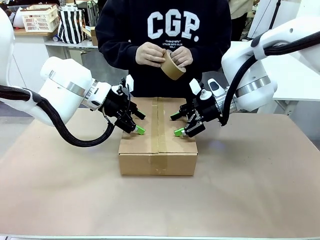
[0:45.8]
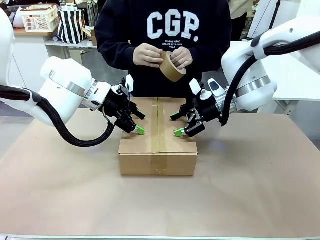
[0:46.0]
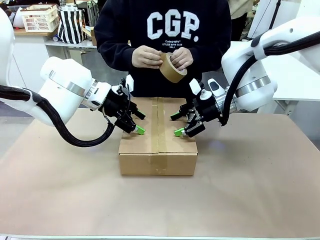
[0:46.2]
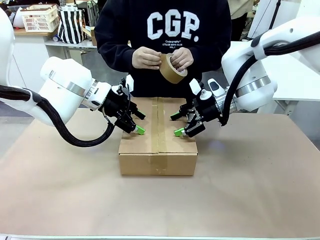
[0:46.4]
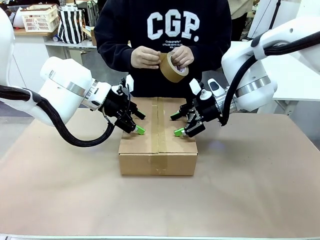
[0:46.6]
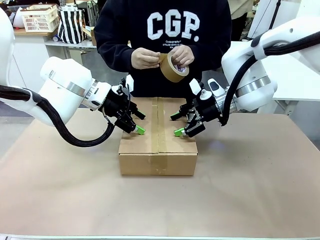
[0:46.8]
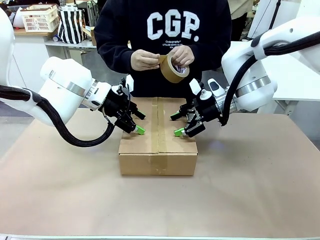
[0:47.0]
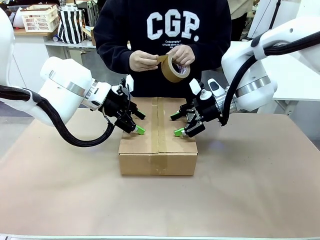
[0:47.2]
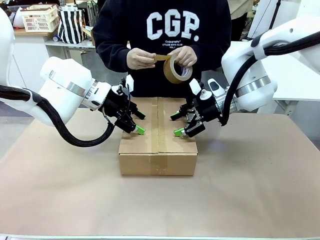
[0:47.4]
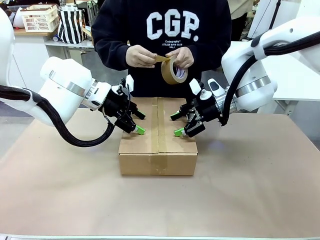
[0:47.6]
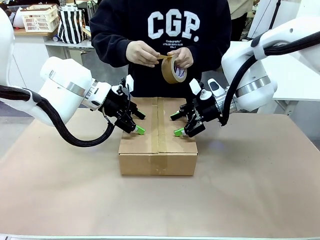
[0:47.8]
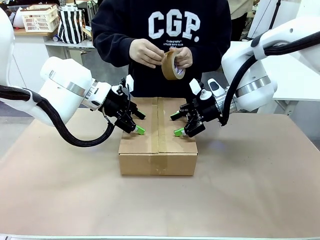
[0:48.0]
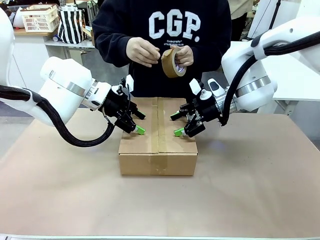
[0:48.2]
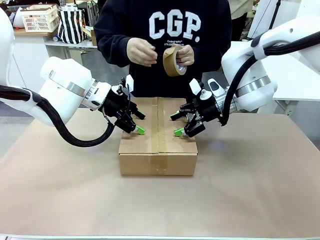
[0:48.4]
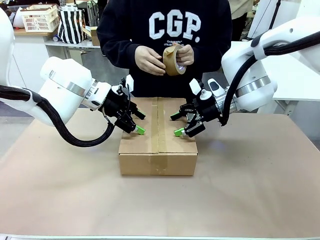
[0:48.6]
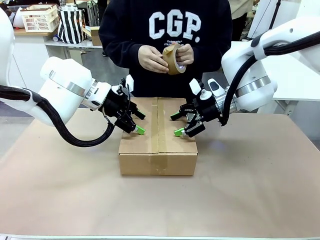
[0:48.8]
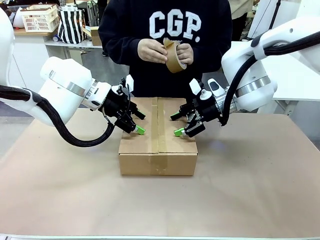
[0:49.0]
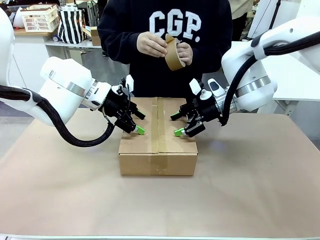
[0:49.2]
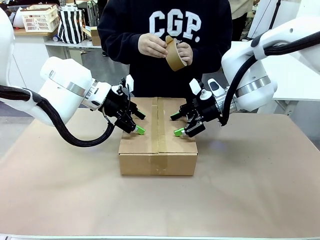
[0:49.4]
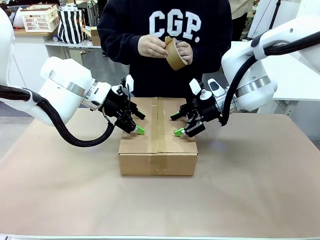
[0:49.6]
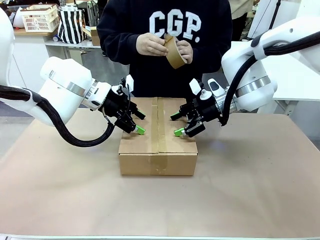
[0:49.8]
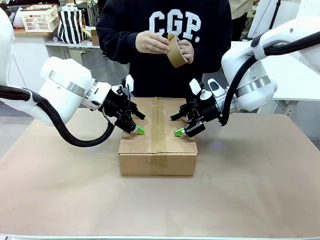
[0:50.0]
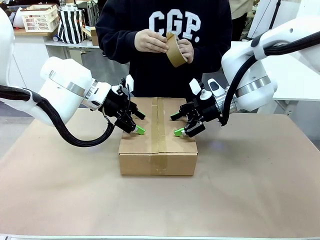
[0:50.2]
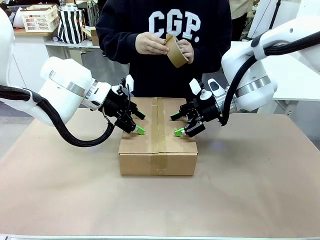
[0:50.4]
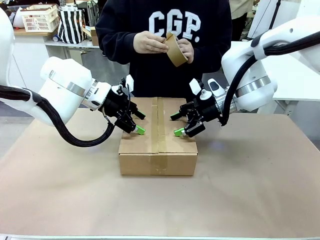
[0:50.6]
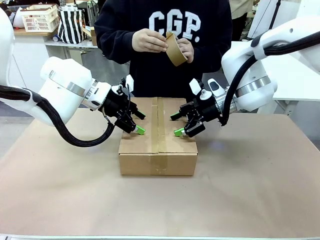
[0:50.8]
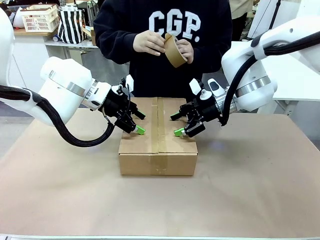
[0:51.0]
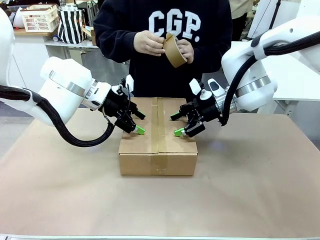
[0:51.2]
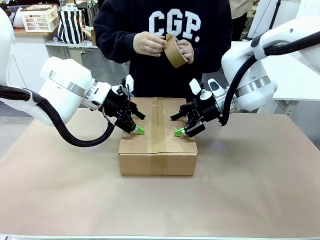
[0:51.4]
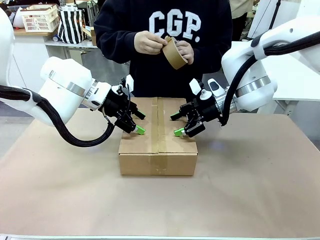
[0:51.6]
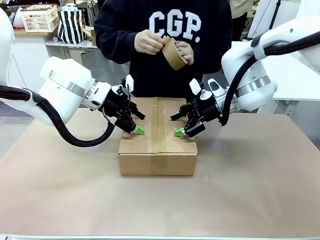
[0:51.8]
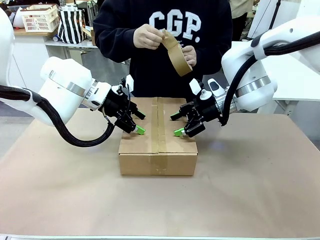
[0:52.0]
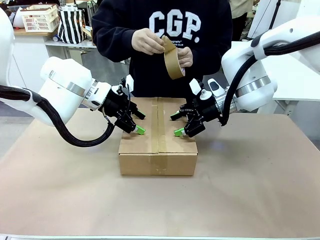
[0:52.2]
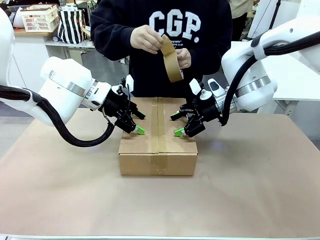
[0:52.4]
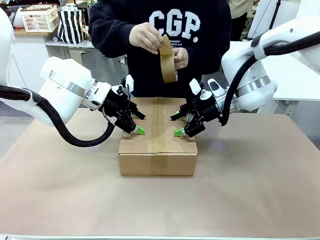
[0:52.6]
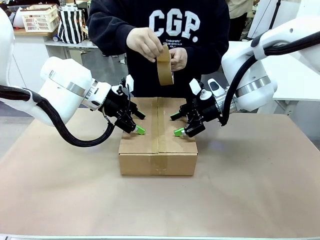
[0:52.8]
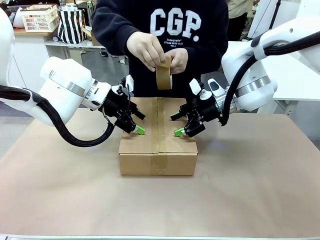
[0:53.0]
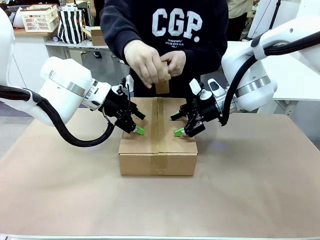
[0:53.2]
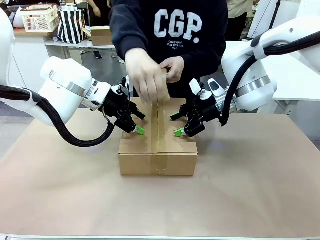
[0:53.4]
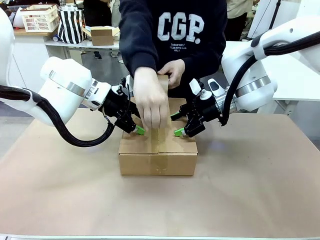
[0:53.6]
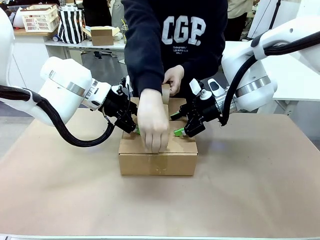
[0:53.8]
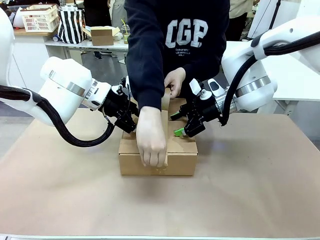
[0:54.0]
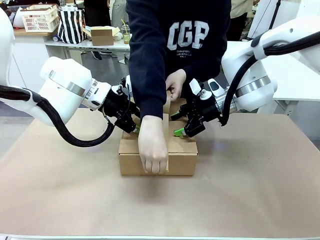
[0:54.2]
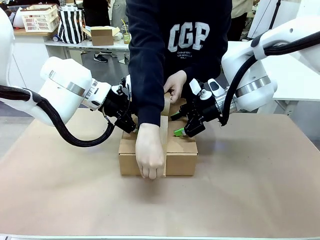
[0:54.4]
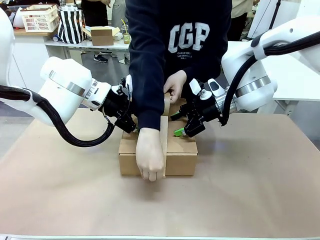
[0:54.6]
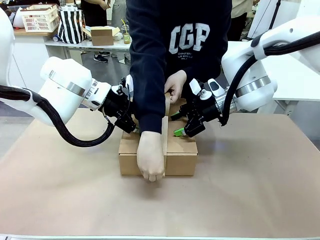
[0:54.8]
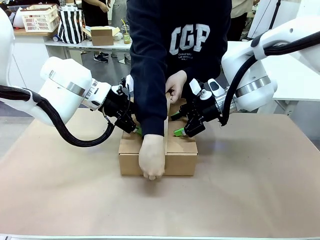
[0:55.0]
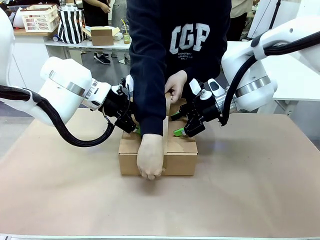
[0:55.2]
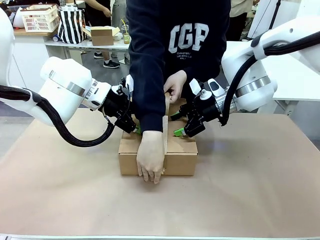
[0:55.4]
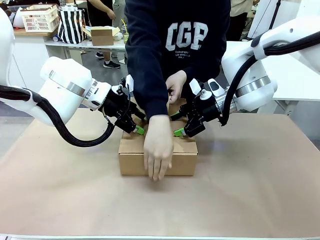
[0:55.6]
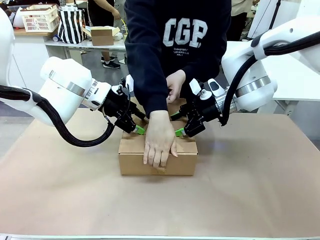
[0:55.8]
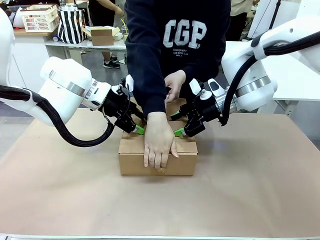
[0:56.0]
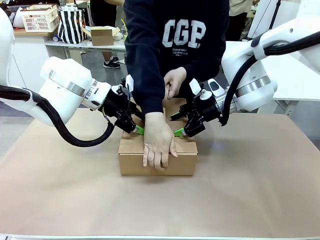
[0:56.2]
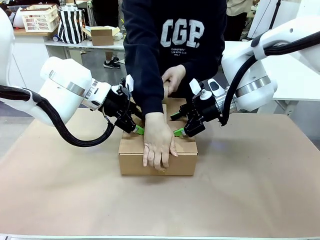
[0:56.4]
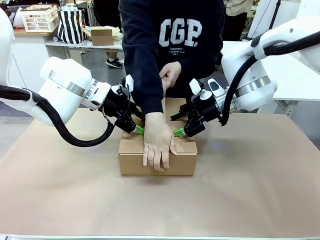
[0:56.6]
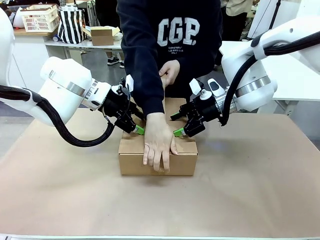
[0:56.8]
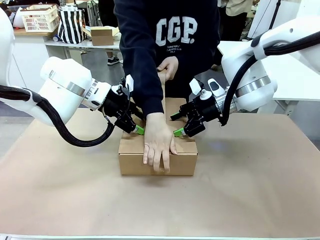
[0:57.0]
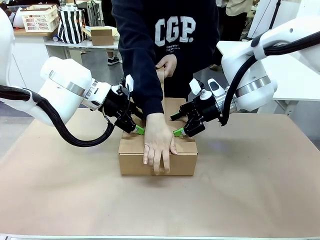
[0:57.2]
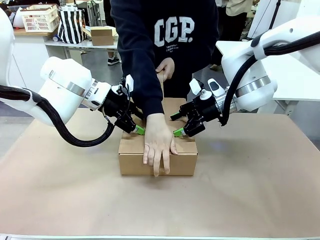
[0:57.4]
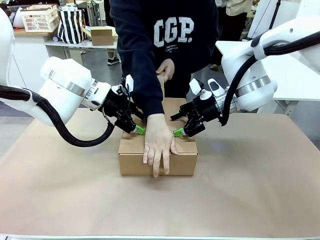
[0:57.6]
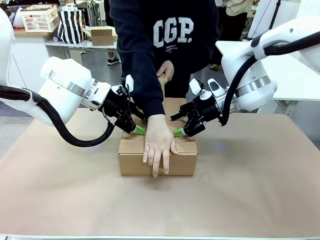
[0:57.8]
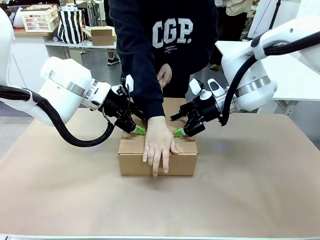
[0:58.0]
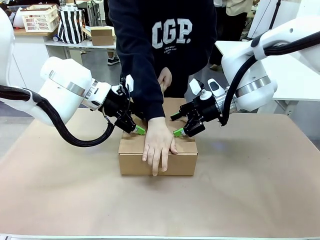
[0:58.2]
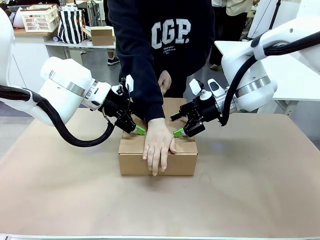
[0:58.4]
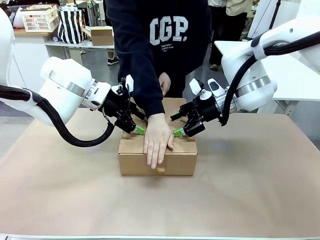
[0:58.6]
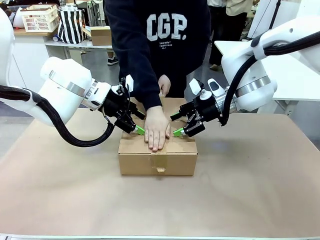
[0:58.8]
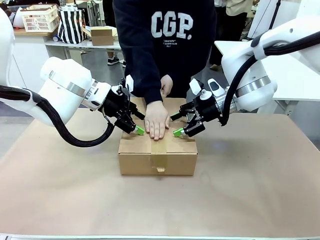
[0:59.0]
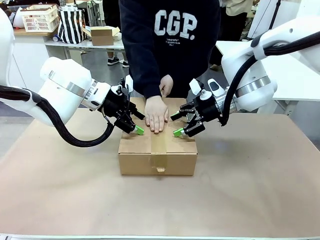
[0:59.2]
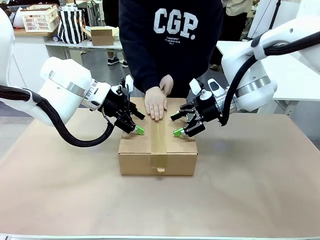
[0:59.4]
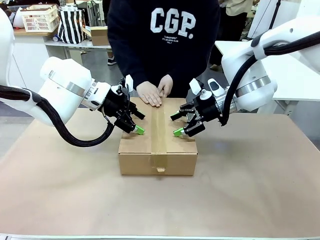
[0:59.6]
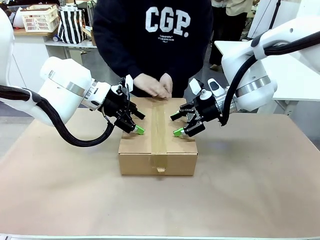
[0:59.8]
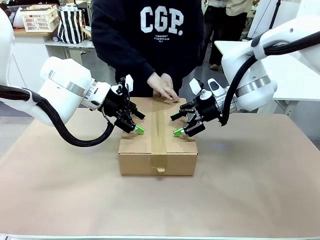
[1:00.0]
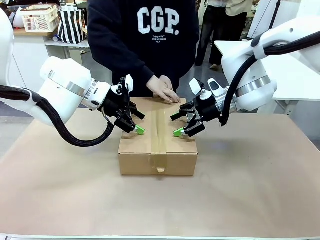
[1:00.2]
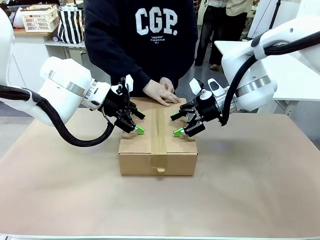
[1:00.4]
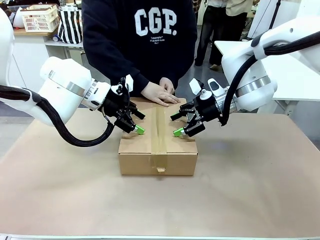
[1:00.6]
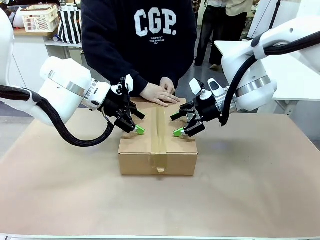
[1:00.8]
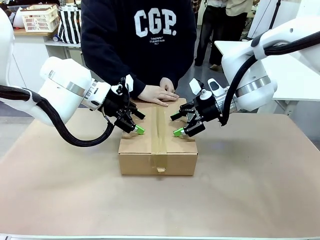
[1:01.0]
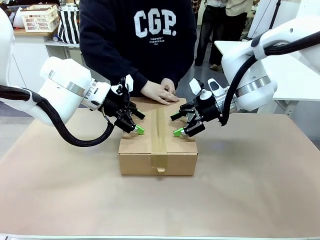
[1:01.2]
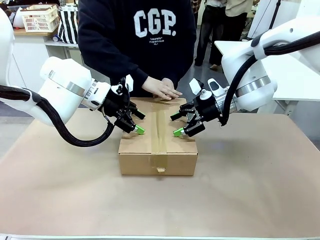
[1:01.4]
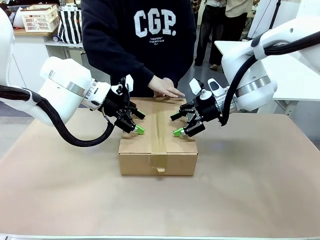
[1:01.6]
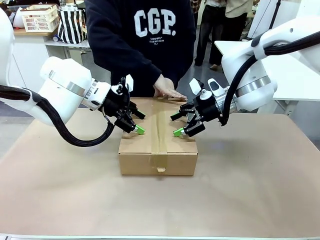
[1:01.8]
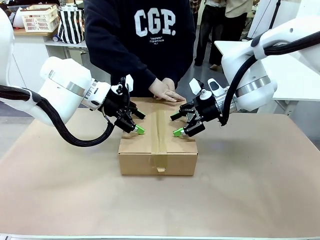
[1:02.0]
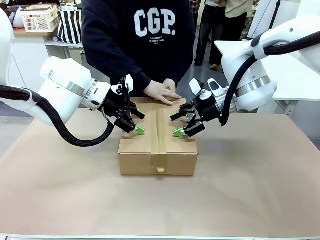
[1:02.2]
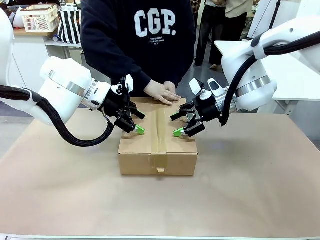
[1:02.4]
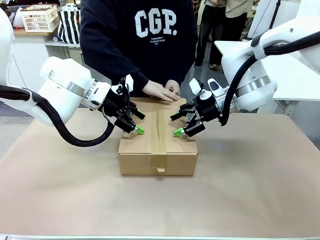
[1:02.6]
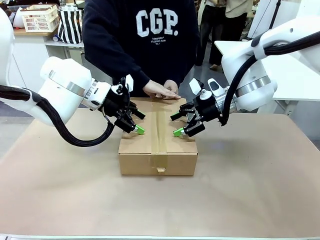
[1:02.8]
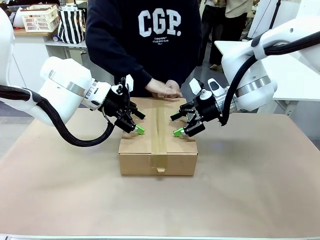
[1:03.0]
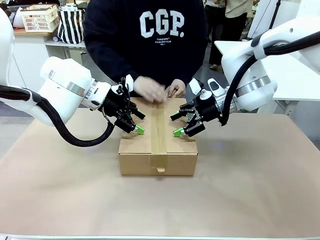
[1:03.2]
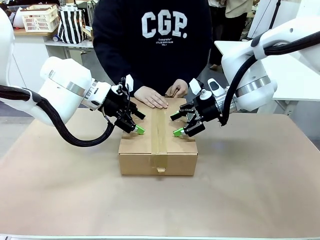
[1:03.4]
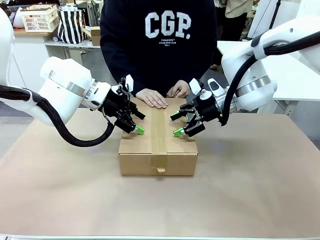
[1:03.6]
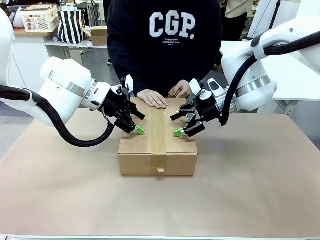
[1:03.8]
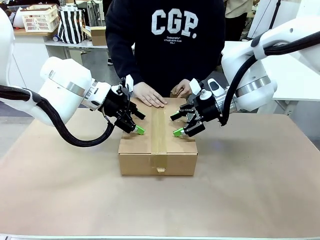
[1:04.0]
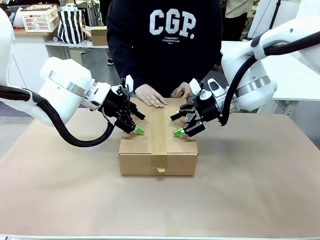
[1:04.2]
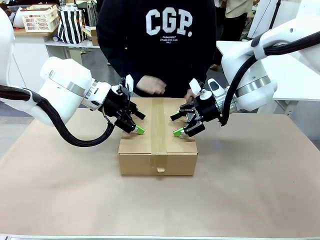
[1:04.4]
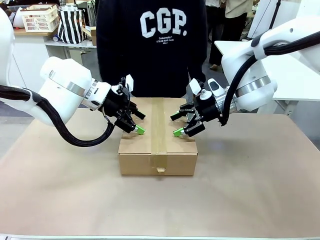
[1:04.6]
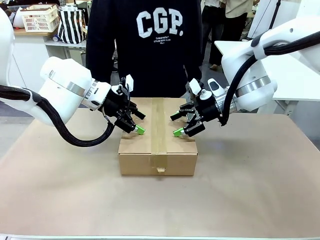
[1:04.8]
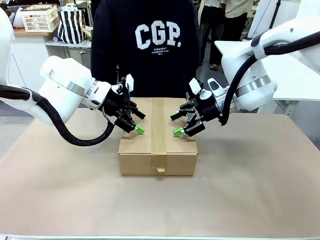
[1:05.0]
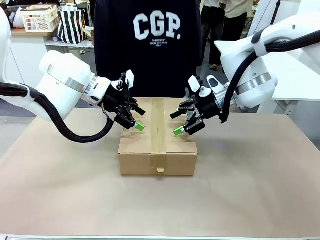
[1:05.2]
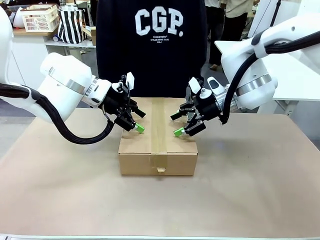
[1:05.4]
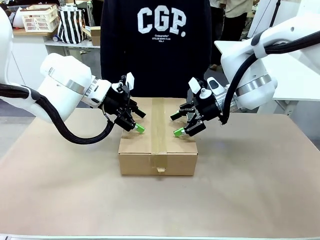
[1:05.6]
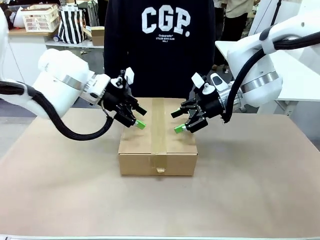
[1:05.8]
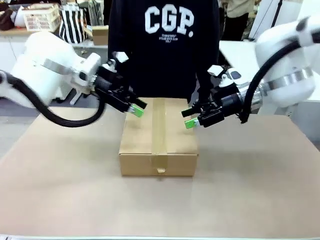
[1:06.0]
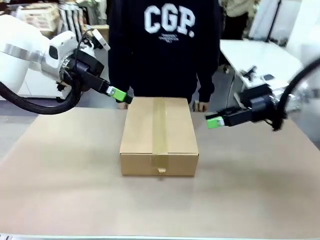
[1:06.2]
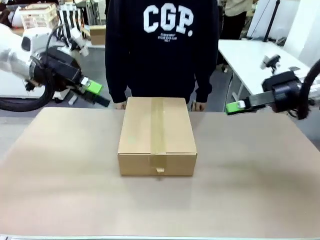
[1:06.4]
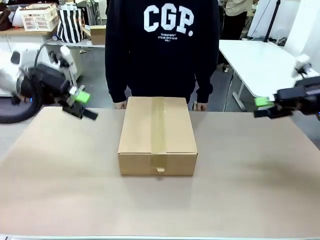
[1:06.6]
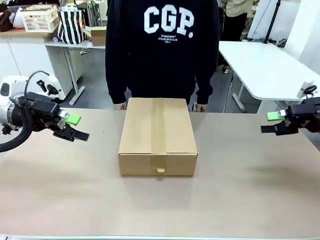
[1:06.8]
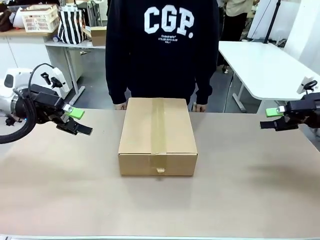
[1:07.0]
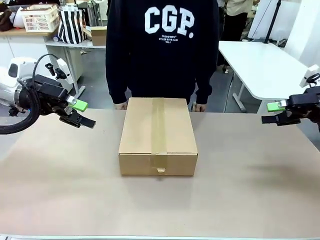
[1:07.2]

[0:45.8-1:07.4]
Task: Pack the gift set into the box.
Robot: Press and hold the closed box until the human finishes sealing it.
Person: The human picks up the paper tape from the human table and packs the box.
